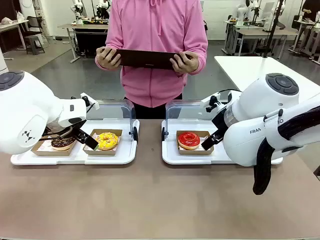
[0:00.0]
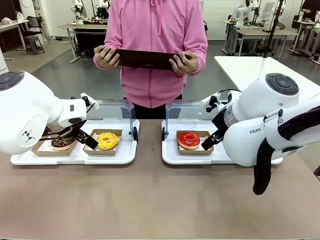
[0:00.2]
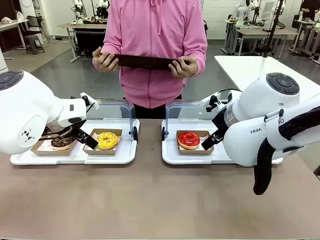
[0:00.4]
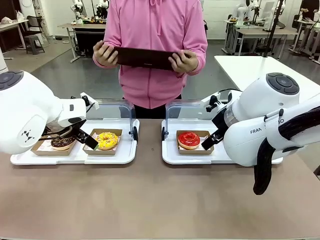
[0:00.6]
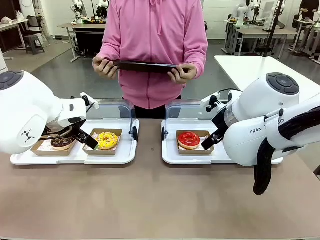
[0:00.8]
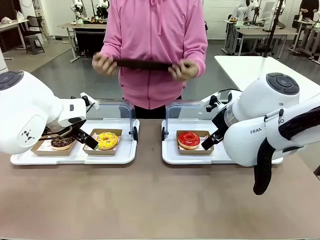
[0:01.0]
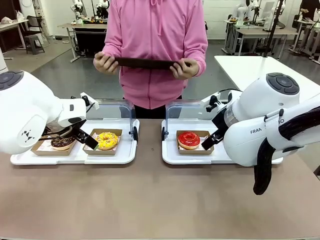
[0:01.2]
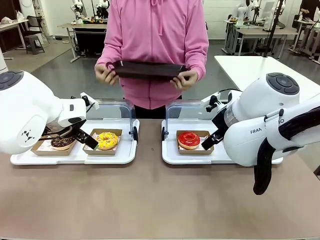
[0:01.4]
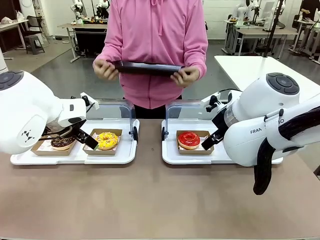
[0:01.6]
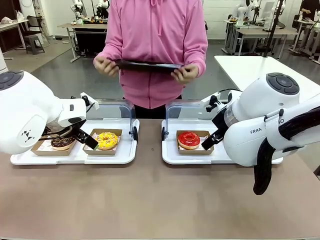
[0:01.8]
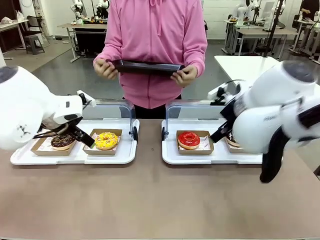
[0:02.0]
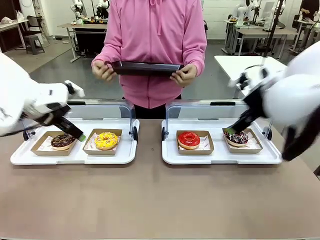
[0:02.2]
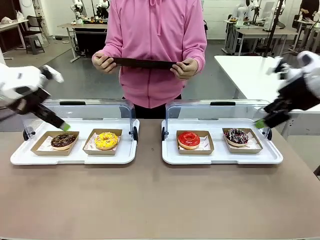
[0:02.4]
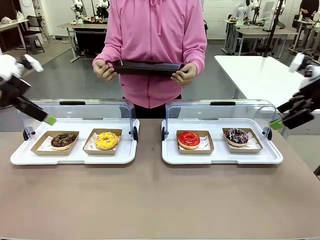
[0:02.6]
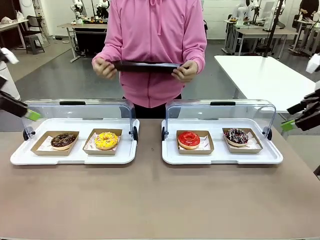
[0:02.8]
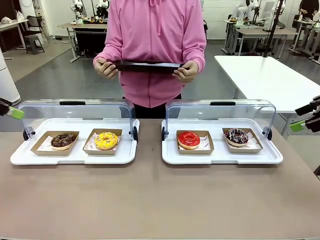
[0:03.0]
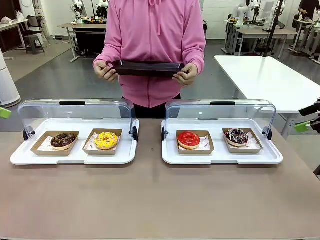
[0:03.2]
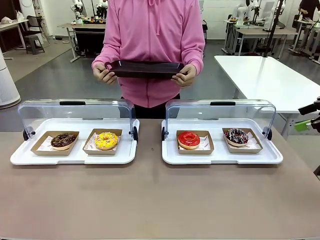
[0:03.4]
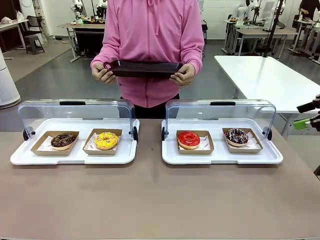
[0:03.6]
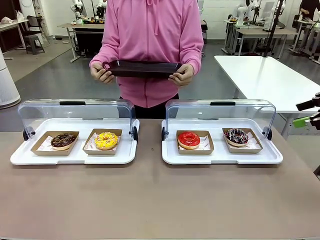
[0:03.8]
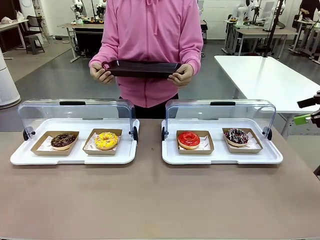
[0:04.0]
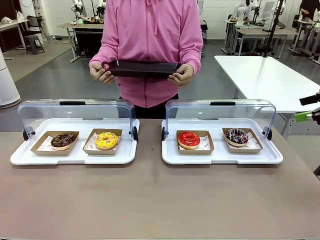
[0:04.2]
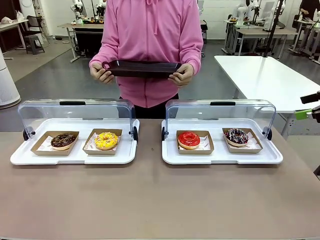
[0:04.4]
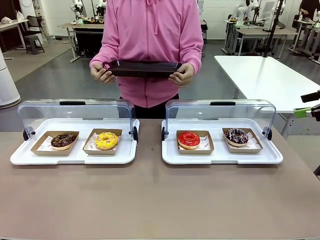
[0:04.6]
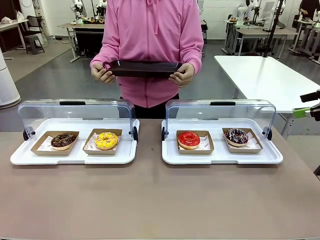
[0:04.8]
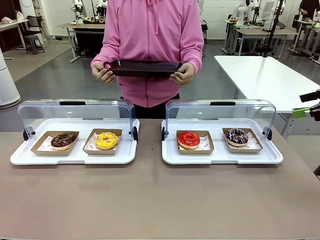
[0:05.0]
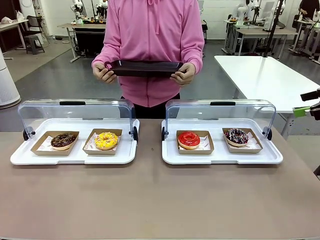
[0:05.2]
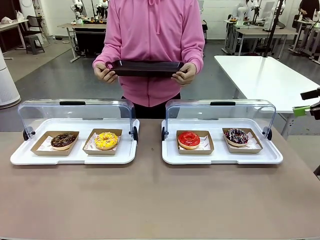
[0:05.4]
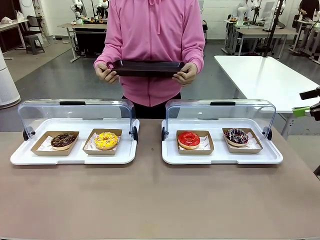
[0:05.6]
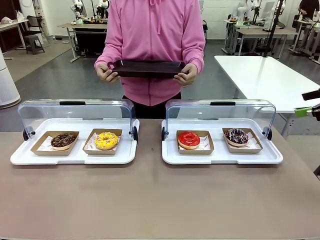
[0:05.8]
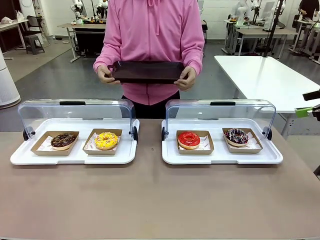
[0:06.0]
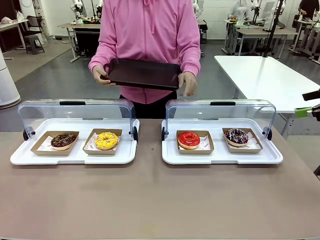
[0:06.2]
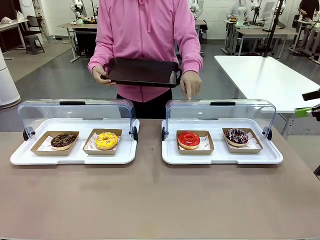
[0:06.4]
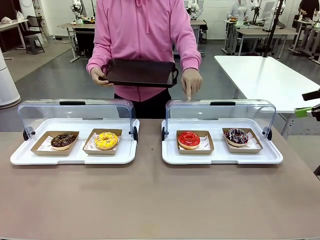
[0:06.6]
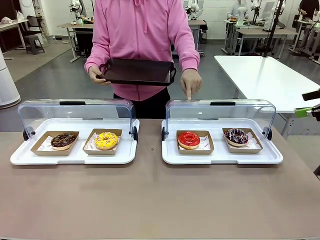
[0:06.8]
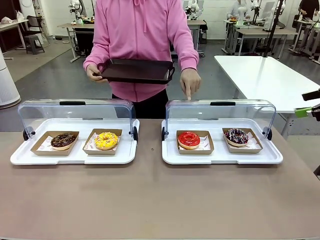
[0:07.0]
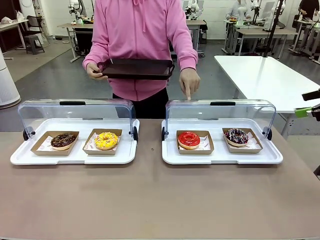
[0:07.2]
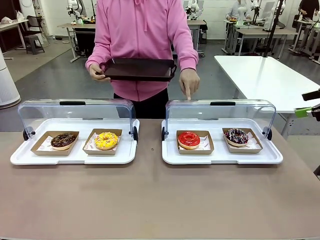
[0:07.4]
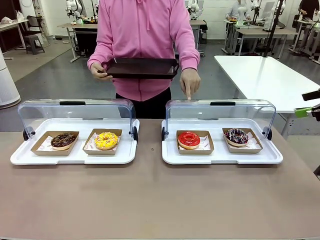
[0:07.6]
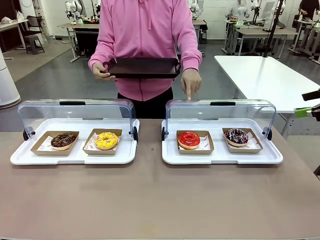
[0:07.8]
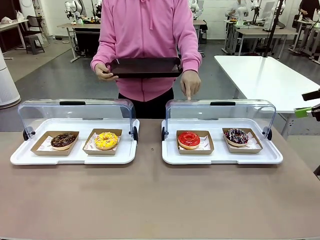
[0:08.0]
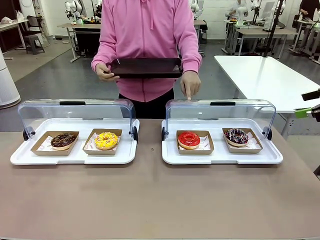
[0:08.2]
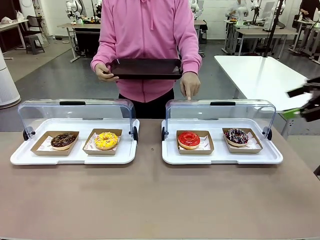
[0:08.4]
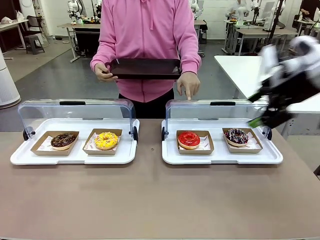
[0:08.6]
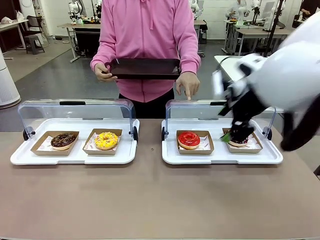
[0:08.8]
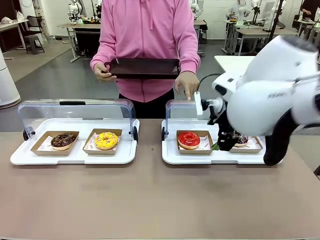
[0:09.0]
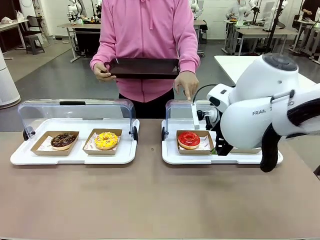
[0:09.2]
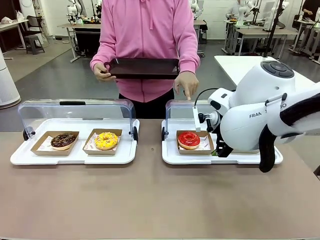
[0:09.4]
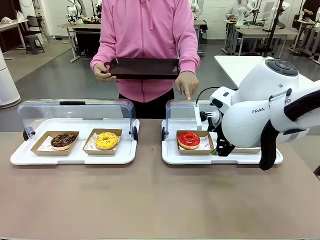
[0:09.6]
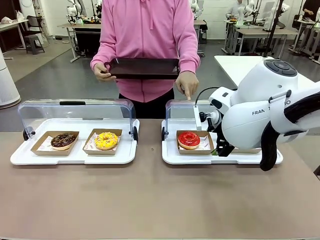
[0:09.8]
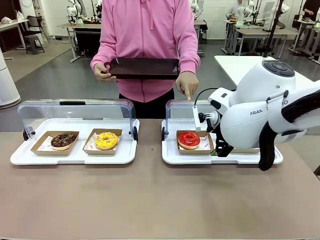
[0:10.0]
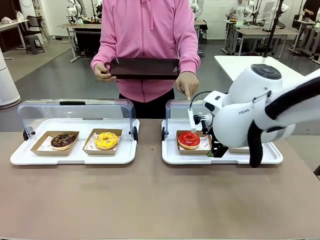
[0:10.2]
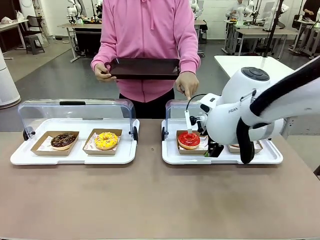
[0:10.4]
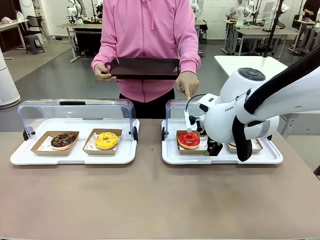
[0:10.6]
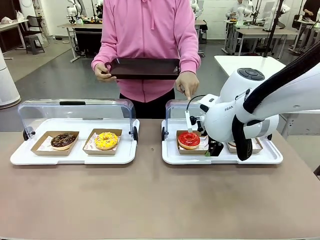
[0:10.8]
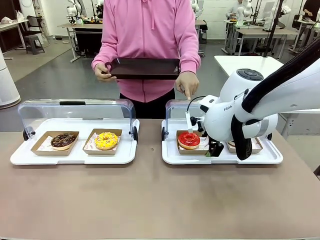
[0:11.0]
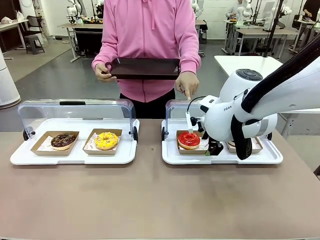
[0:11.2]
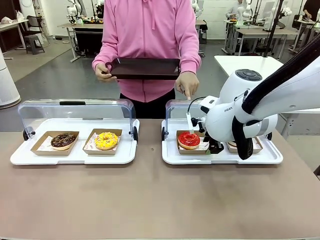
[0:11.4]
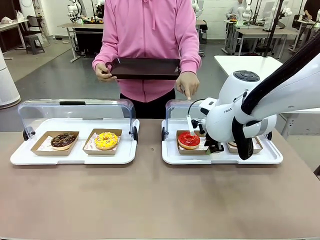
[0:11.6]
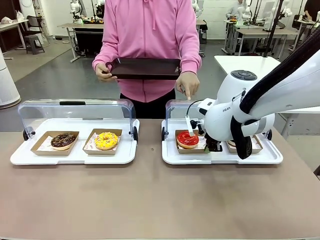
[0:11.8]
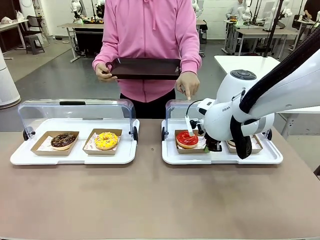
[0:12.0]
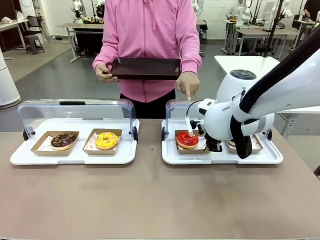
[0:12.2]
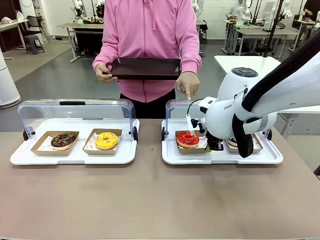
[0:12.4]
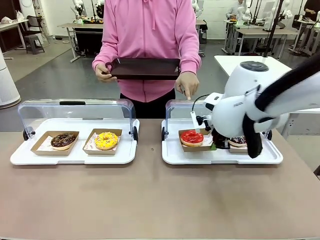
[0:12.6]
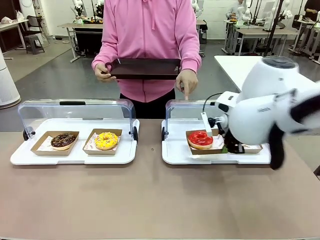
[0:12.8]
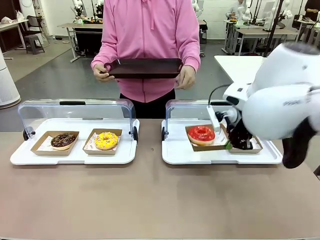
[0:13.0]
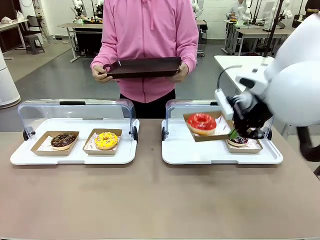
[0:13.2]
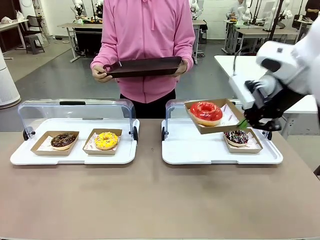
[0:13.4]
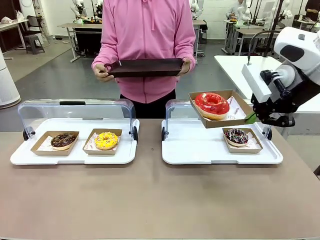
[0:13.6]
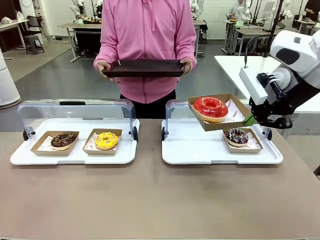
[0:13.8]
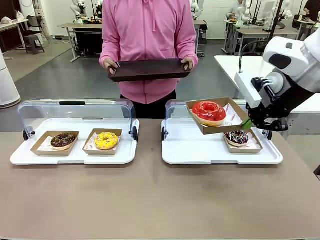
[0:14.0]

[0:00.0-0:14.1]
Task: Provide the desired donut to the person.
Robot: Pick up and lift the Paper togo box containing the Donut pointed at by the person.
Person: Point to one donut. Lift the tray onto the Roll-Top Bakery Case.

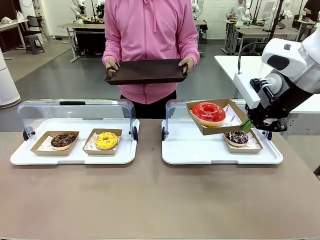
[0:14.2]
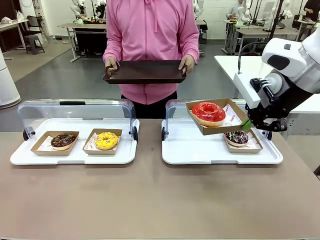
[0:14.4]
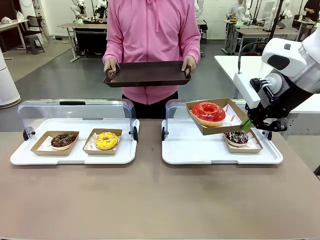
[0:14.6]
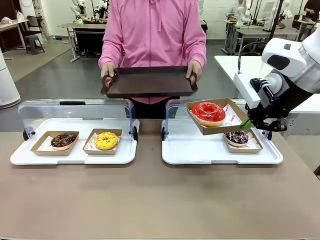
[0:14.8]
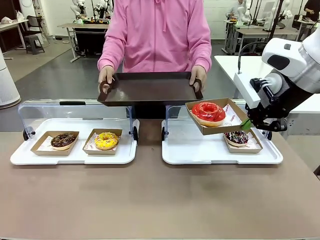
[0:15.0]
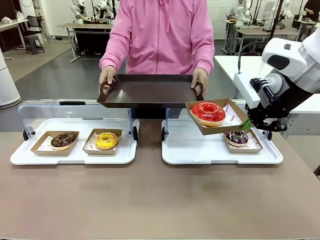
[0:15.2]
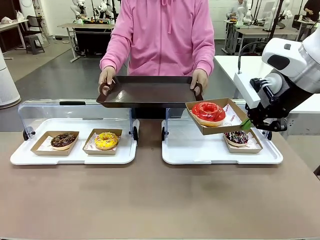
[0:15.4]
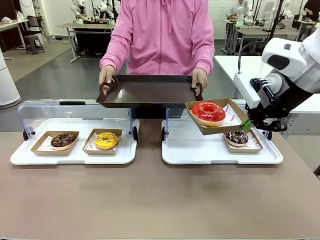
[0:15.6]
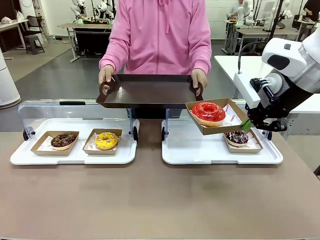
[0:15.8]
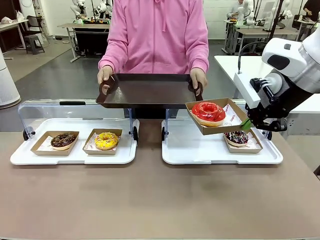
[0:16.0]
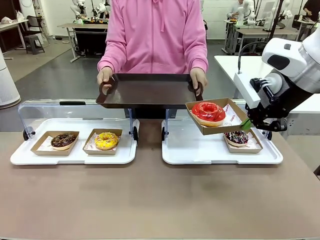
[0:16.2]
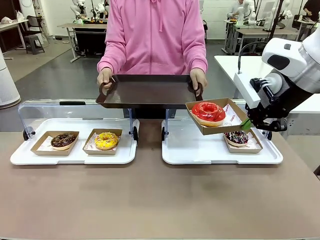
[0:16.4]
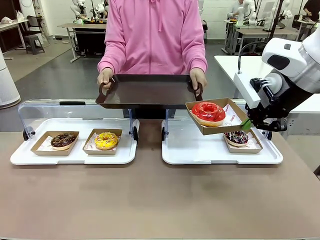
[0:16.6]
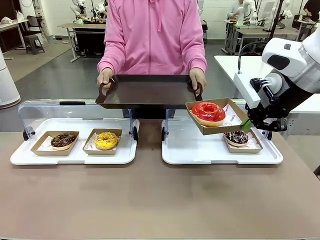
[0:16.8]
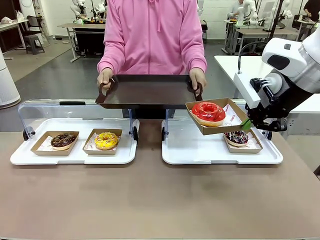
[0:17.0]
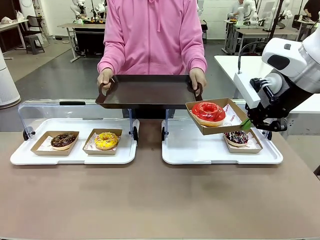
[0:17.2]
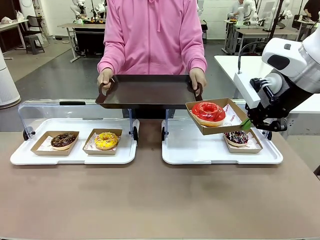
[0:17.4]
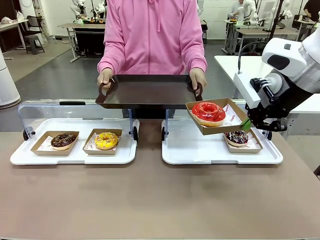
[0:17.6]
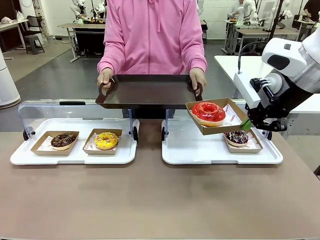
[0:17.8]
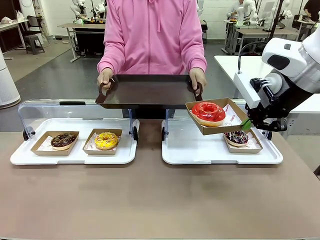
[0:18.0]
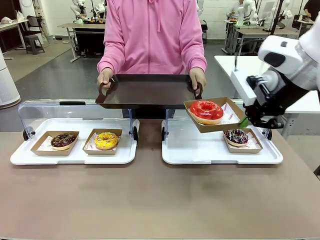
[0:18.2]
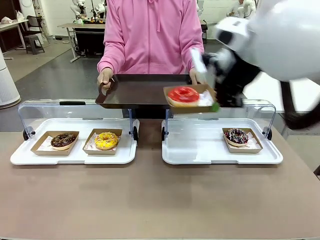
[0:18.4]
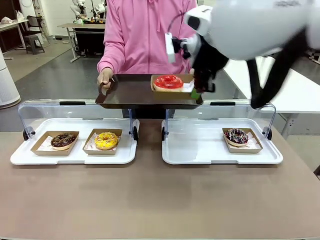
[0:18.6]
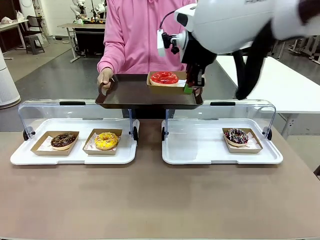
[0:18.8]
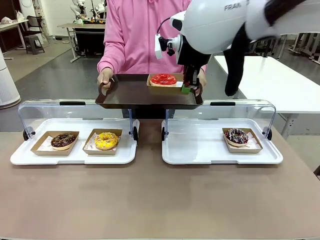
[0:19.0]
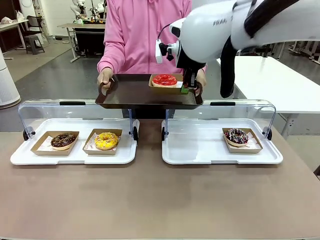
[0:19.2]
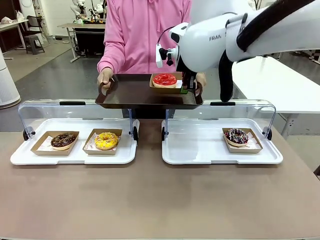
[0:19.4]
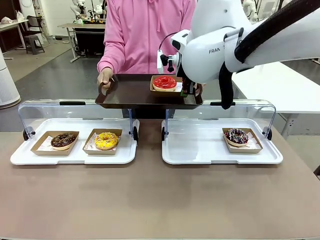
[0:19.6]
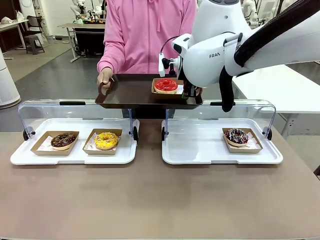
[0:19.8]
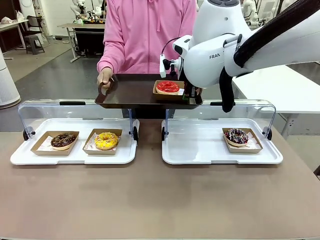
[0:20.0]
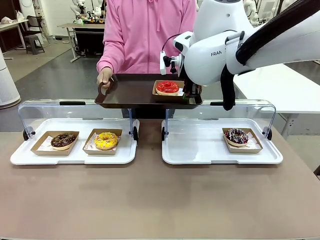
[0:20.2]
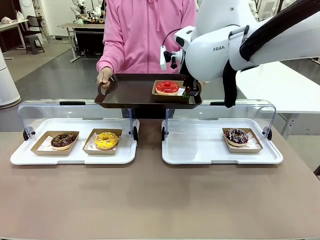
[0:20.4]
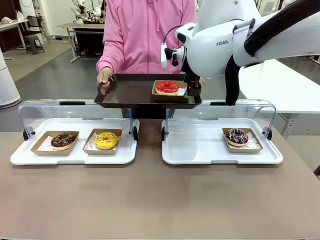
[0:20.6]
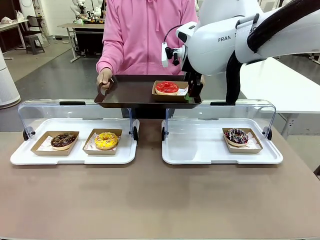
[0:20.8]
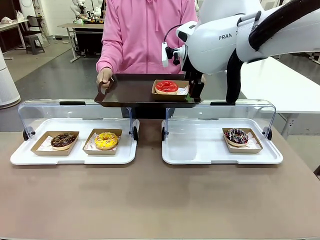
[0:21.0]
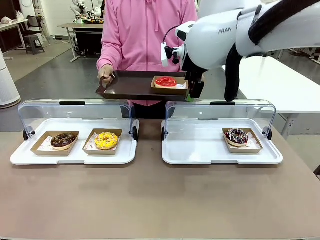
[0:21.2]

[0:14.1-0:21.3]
Robot: Place the picked Paper togo box onto the Handle tray extended by the person.
Person: Point to one donut.
